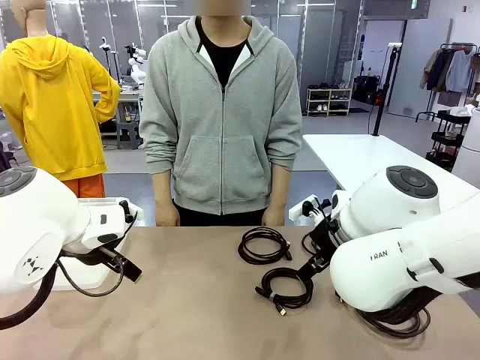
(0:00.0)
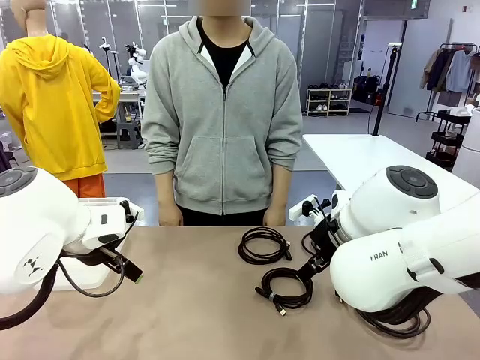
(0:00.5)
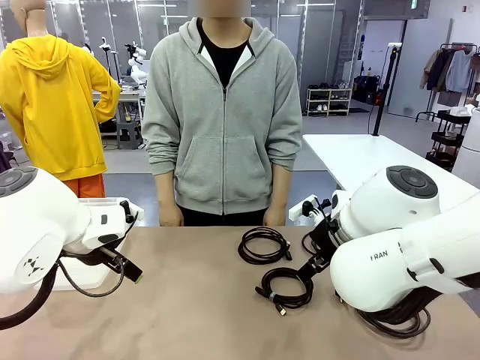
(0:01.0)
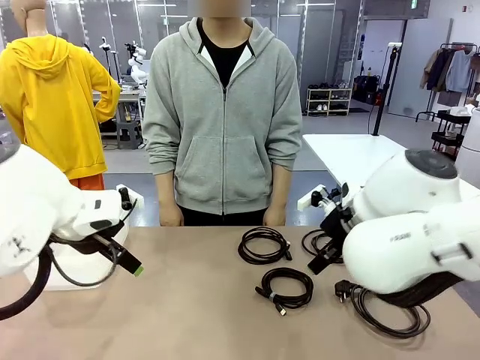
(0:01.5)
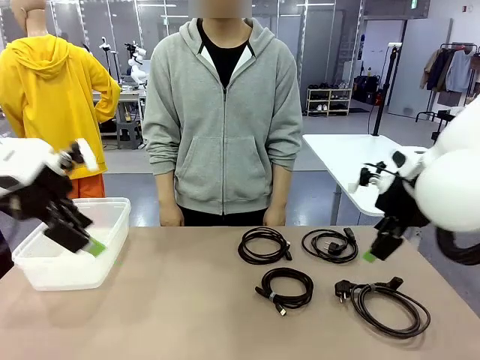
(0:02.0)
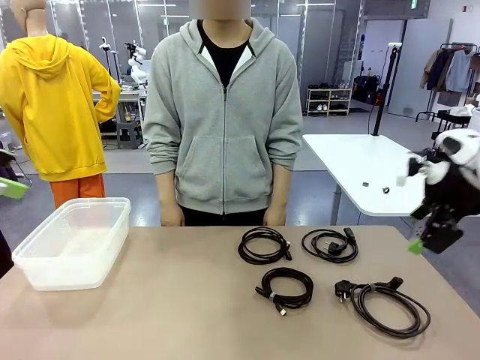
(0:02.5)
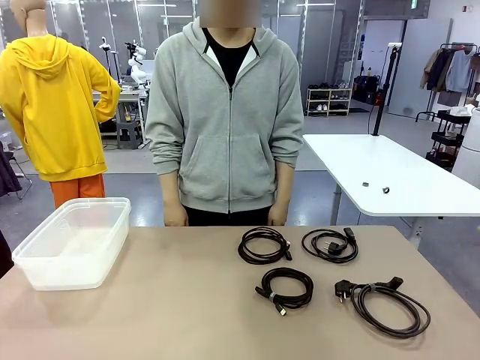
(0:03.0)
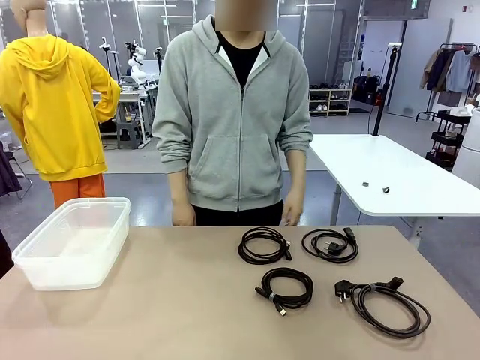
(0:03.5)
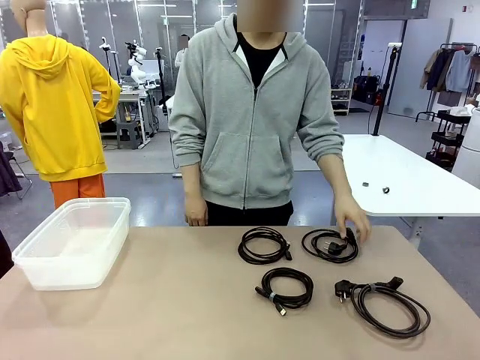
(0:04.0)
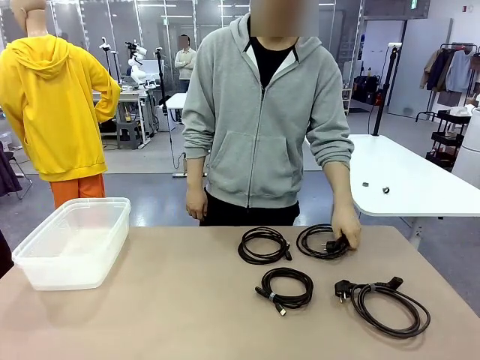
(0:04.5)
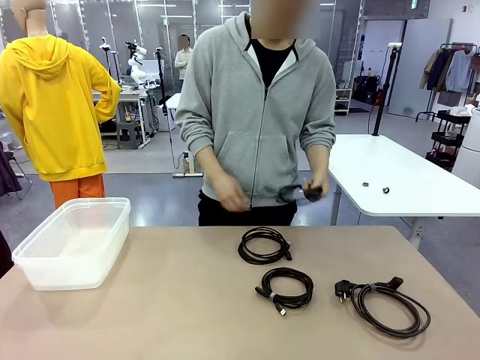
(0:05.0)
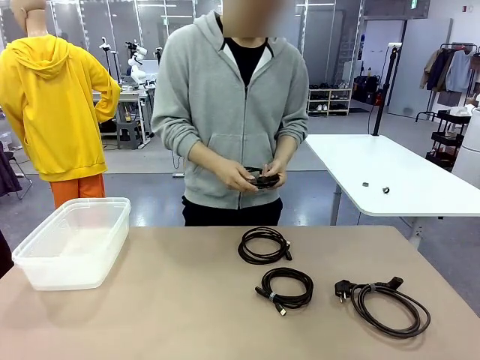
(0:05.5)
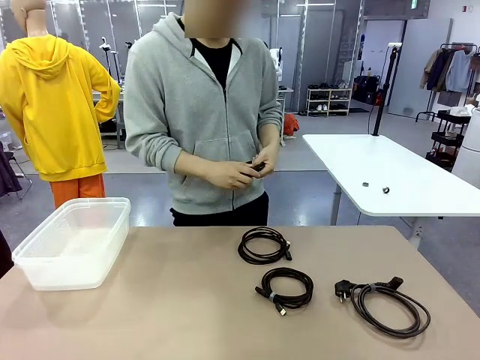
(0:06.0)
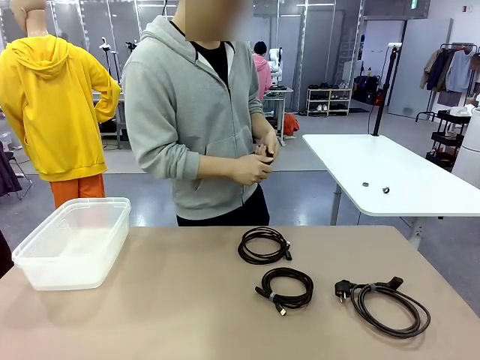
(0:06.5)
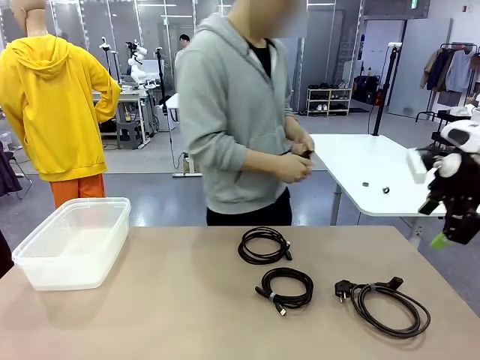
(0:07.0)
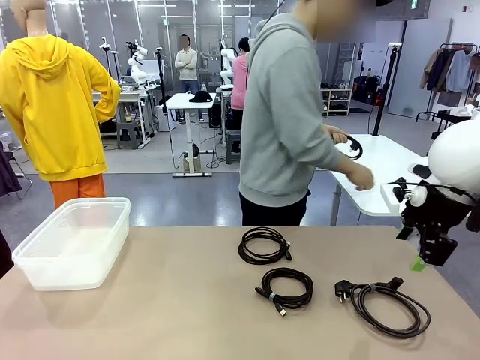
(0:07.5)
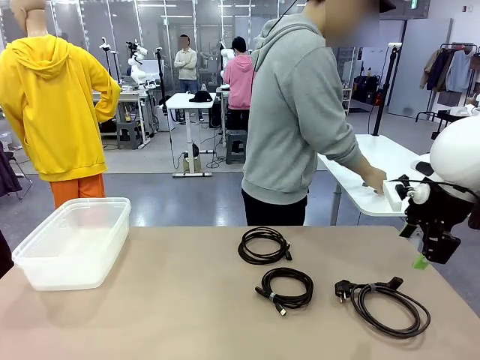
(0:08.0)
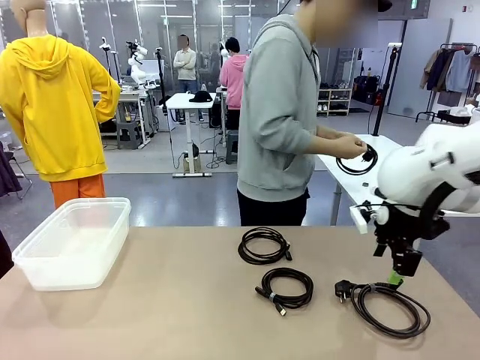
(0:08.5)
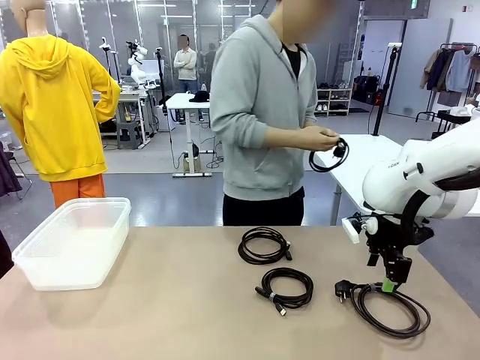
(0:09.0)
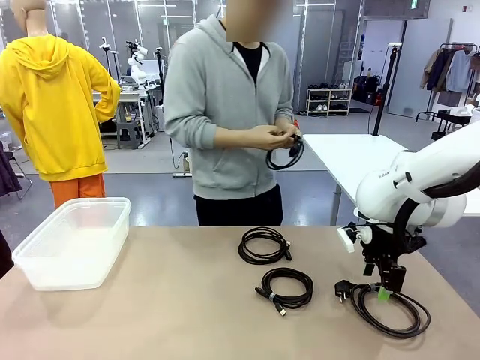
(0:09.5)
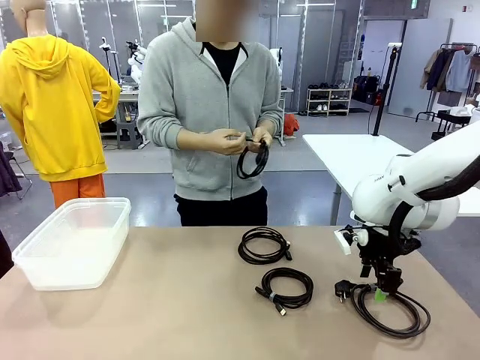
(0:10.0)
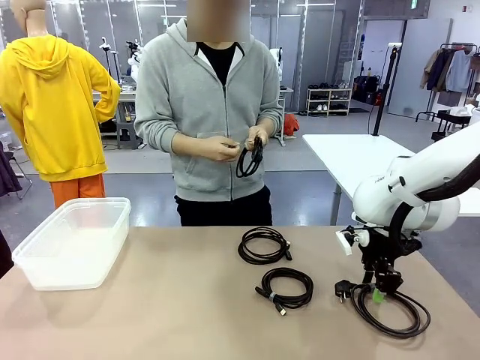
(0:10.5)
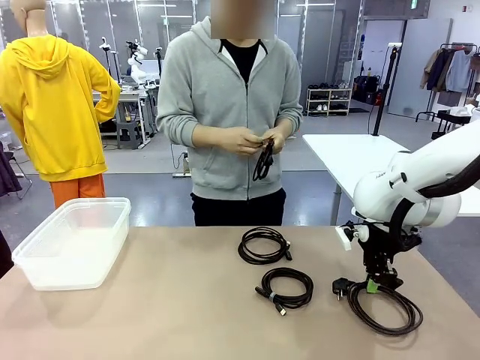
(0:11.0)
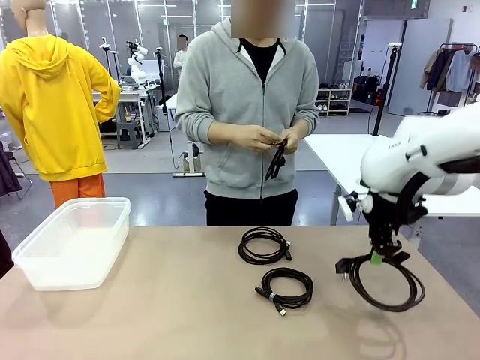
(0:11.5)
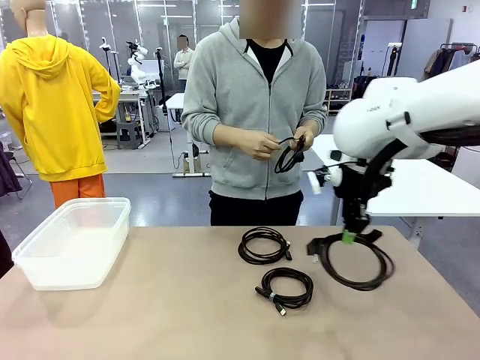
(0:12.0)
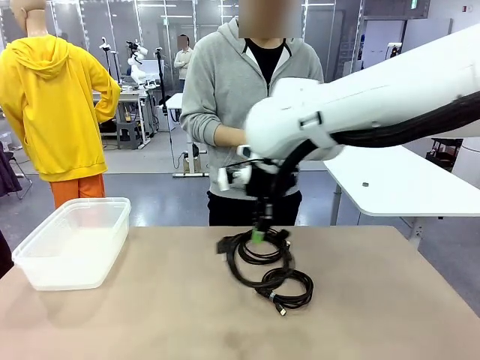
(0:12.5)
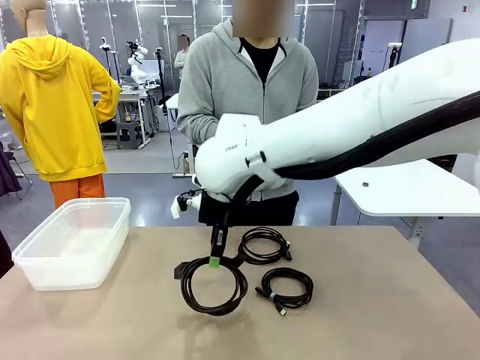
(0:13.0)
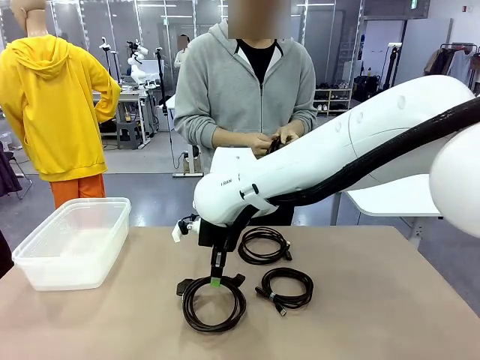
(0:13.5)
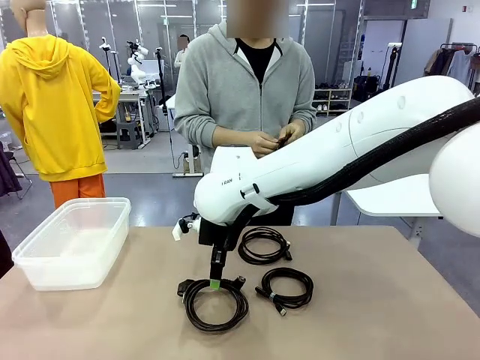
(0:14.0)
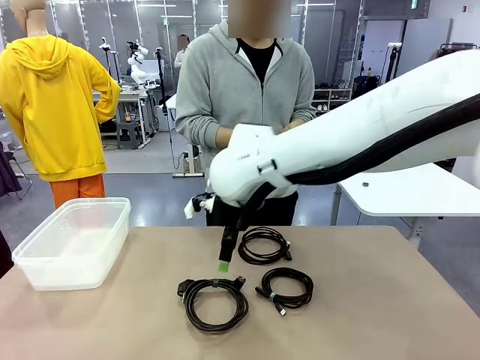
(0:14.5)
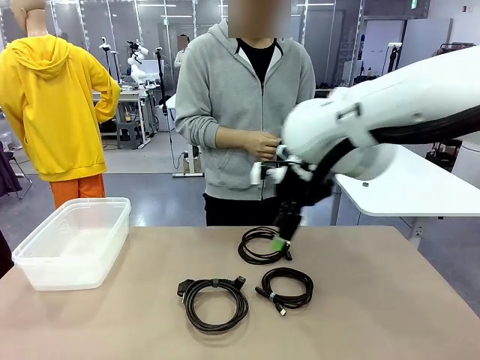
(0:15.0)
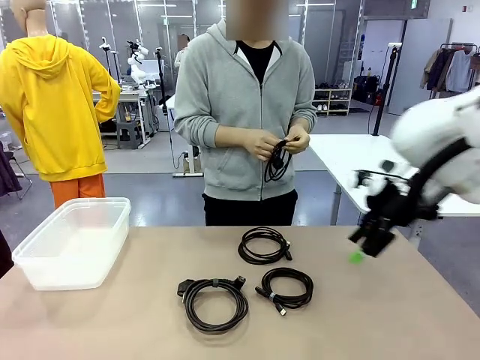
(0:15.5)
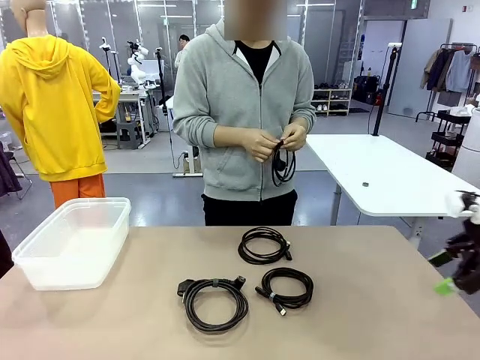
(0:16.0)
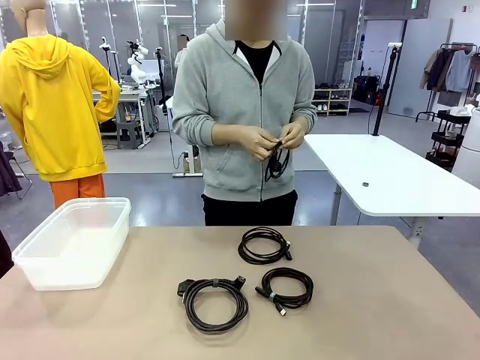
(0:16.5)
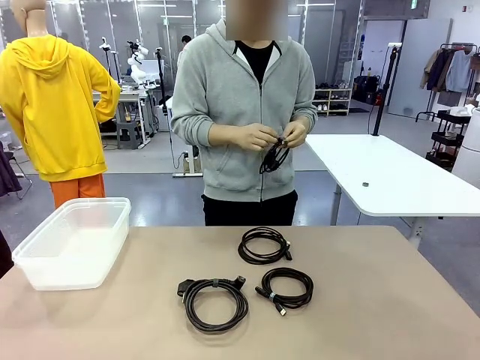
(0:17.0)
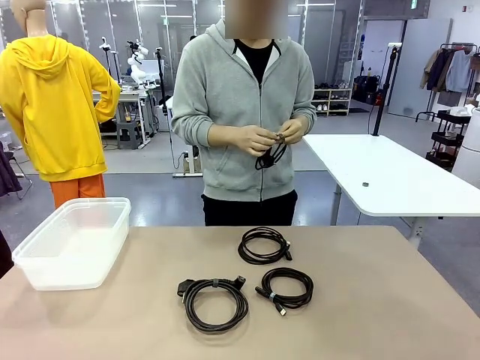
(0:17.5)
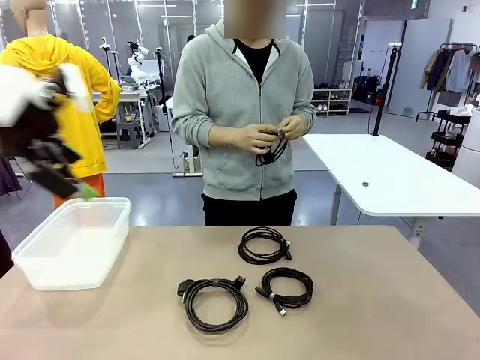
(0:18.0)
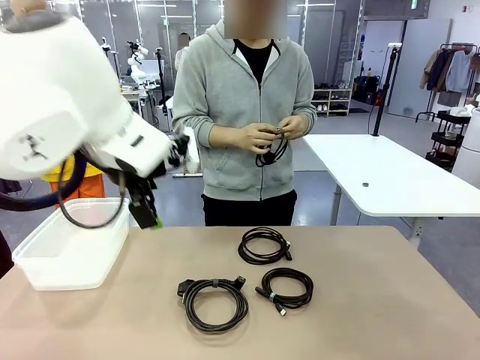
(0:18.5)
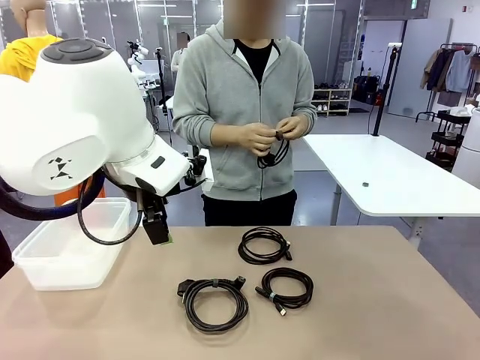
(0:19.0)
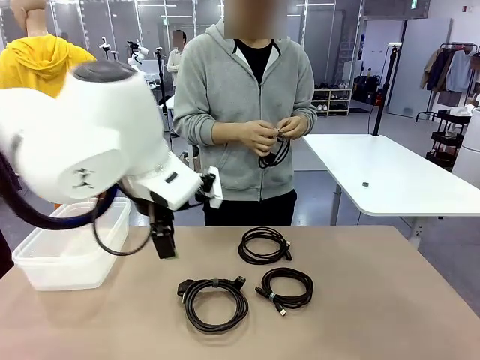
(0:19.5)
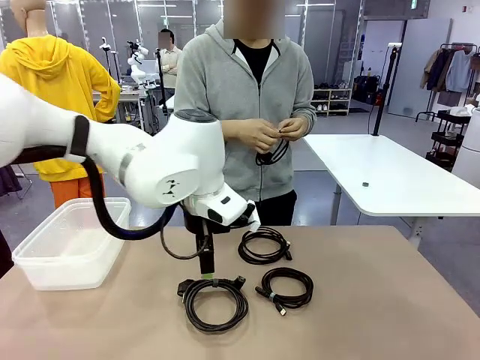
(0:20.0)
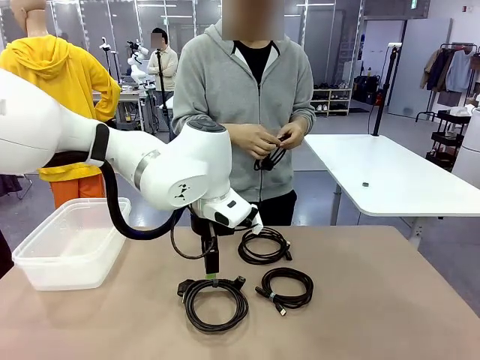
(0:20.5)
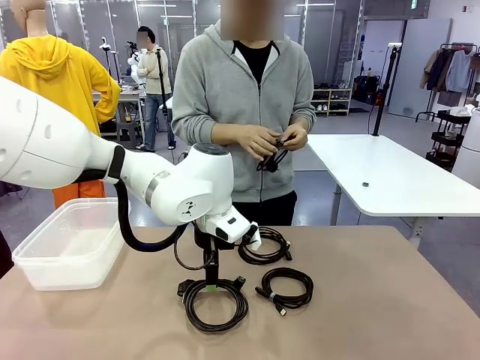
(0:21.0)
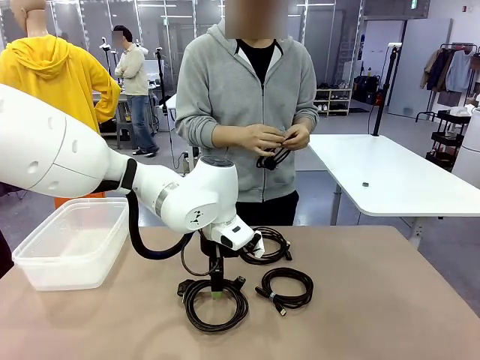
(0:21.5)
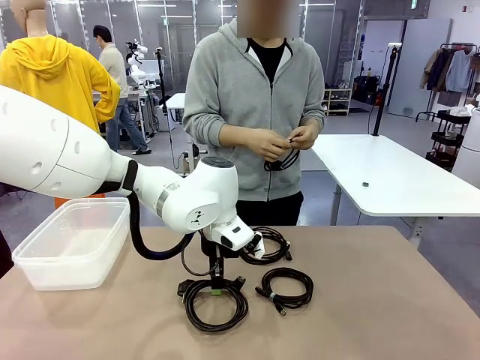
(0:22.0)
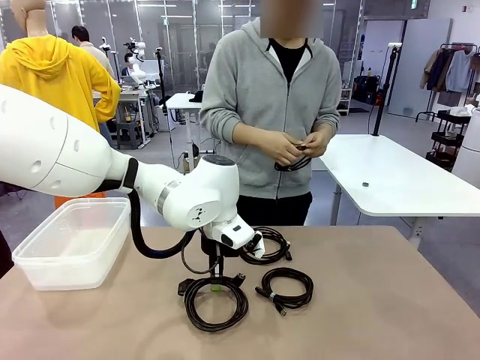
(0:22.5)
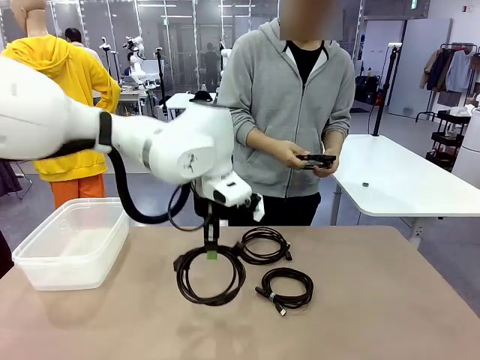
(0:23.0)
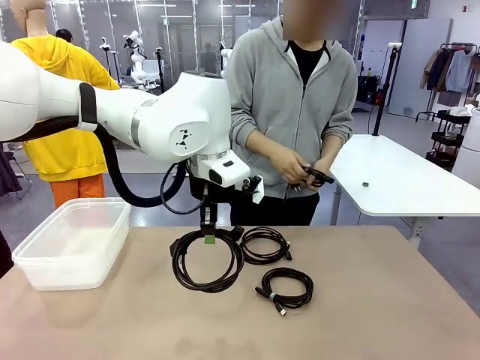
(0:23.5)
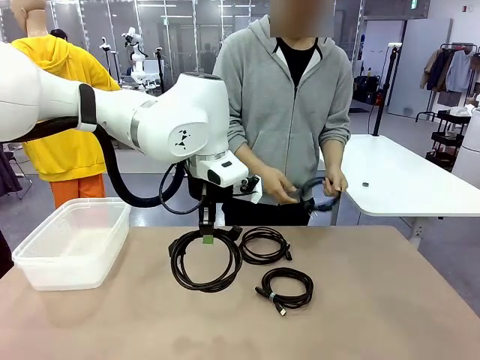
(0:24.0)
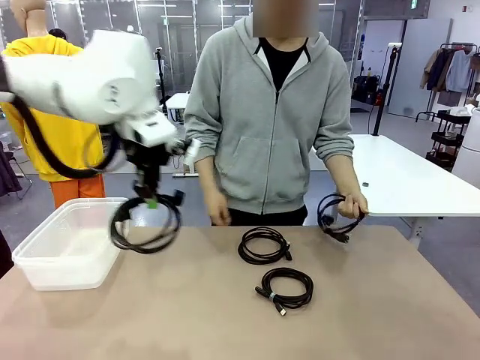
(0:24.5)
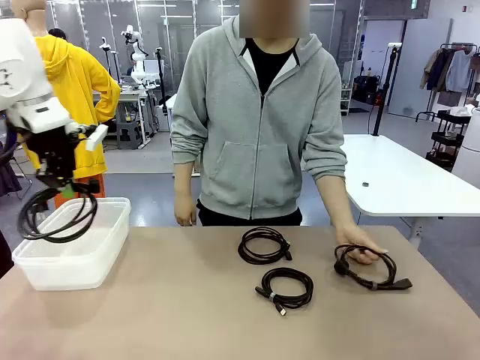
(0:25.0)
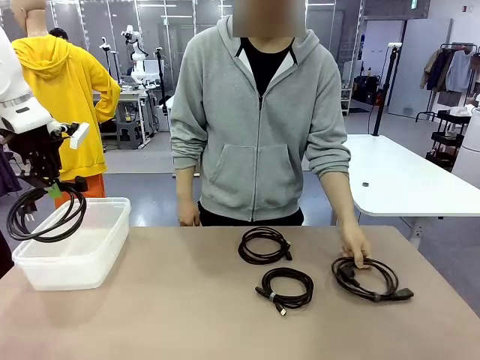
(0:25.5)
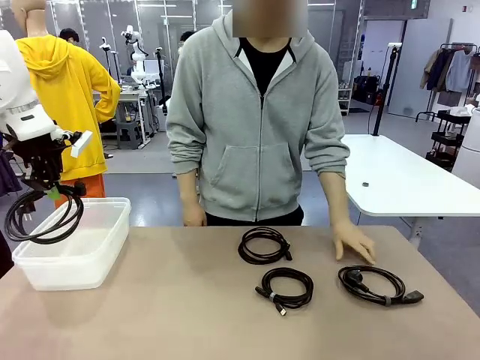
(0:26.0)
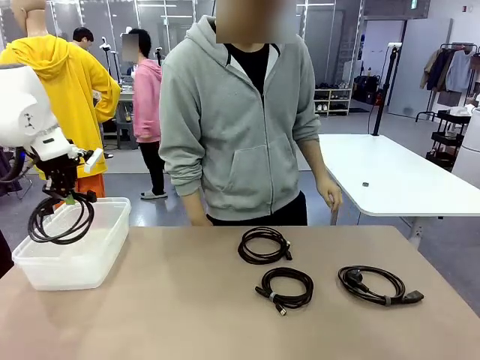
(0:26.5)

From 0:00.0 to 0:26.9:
Task: Organize and store the cables.
Robot: Place the Power Cable into the Organizing box.
Person: Tie one Power Cable with a Reusable Cable Tie.
